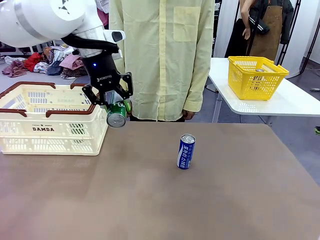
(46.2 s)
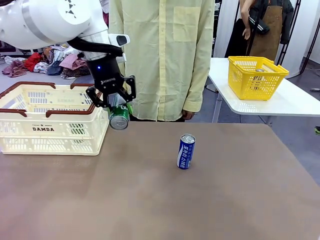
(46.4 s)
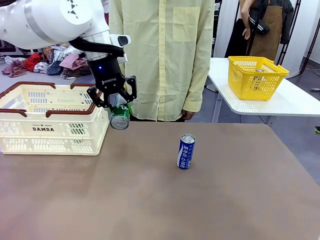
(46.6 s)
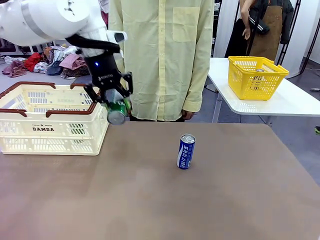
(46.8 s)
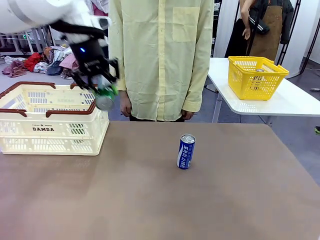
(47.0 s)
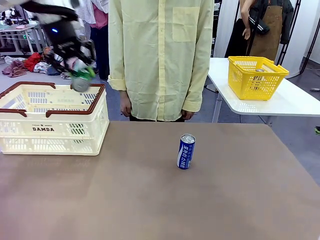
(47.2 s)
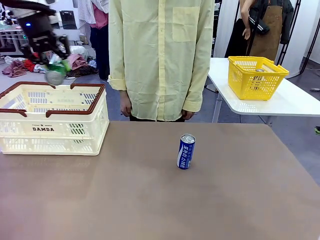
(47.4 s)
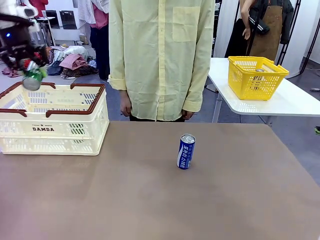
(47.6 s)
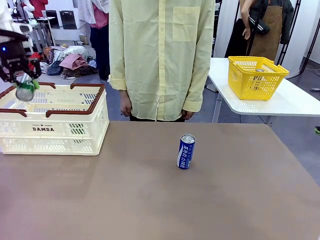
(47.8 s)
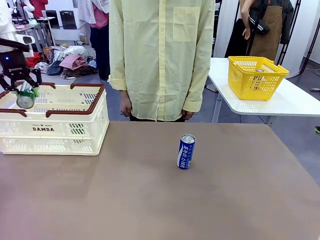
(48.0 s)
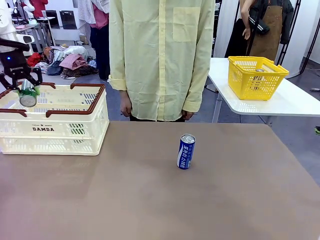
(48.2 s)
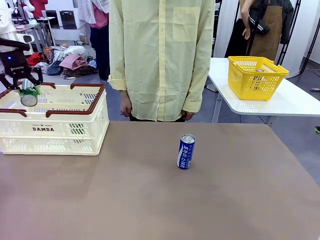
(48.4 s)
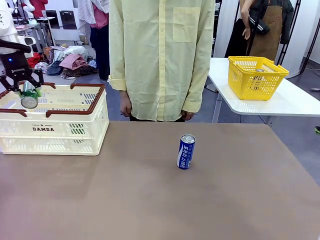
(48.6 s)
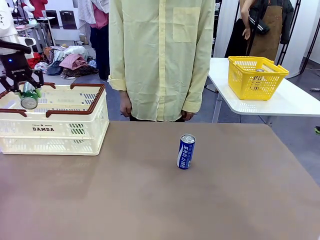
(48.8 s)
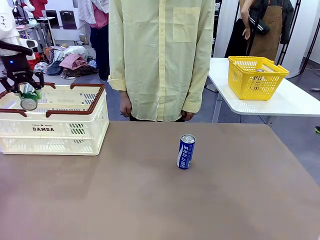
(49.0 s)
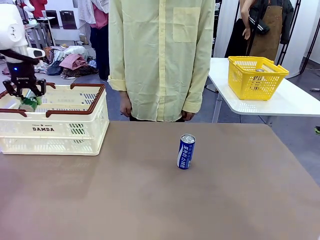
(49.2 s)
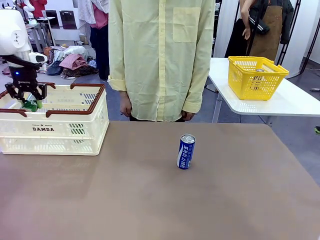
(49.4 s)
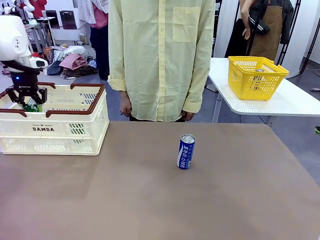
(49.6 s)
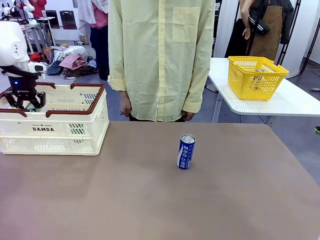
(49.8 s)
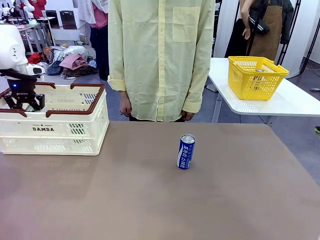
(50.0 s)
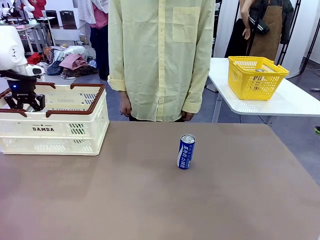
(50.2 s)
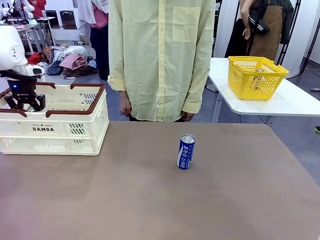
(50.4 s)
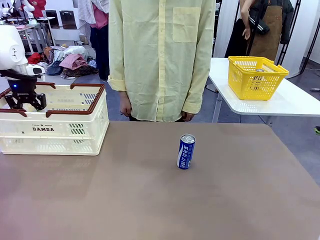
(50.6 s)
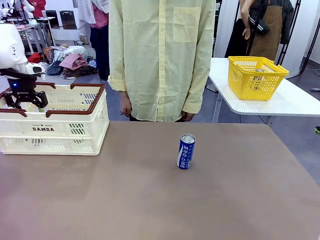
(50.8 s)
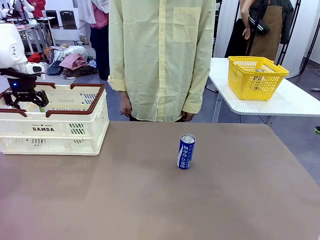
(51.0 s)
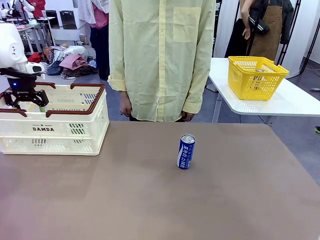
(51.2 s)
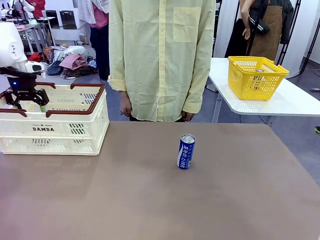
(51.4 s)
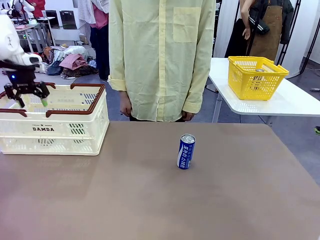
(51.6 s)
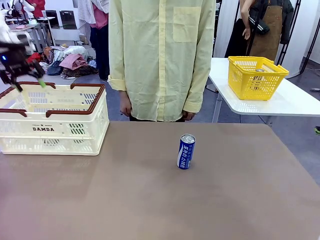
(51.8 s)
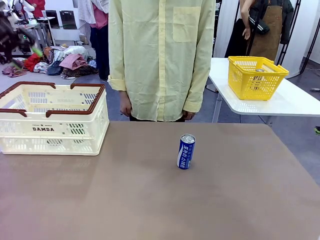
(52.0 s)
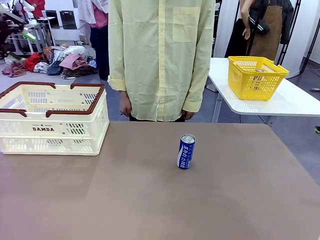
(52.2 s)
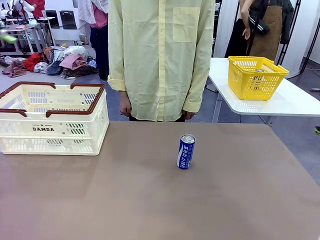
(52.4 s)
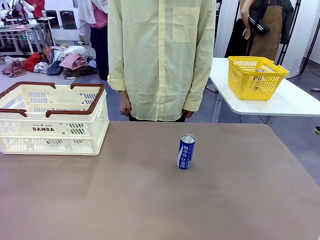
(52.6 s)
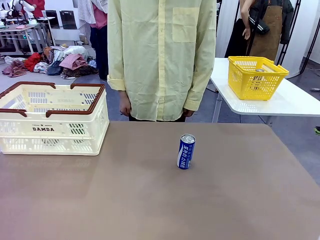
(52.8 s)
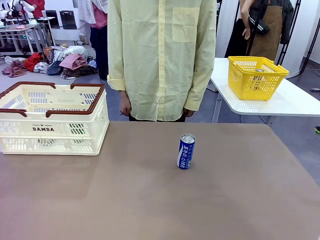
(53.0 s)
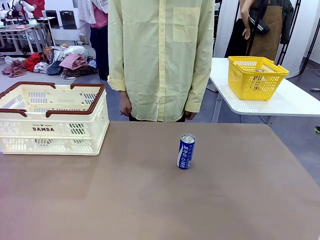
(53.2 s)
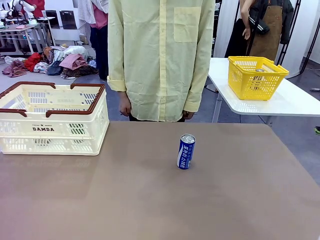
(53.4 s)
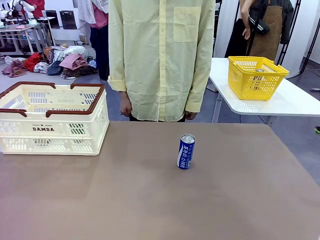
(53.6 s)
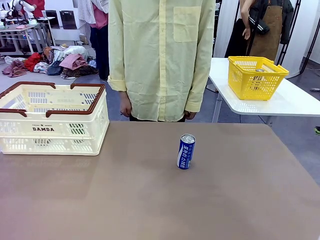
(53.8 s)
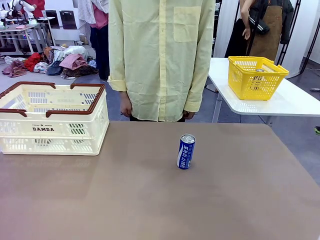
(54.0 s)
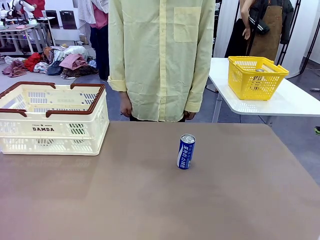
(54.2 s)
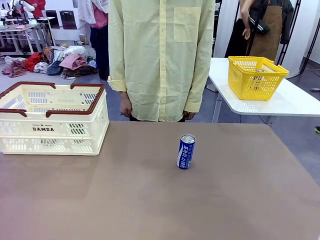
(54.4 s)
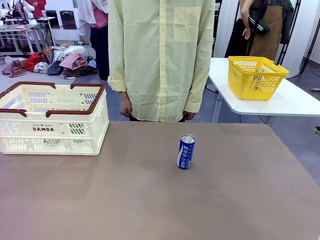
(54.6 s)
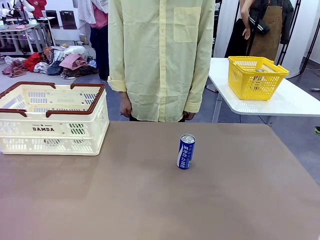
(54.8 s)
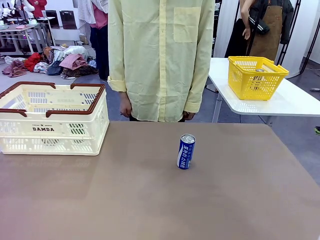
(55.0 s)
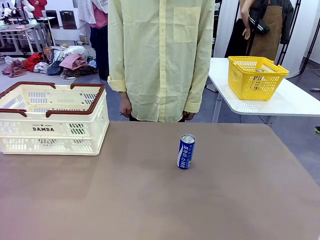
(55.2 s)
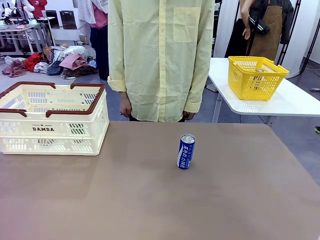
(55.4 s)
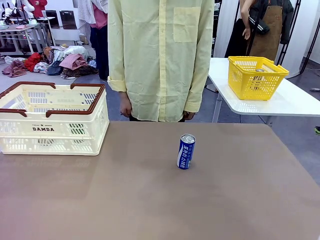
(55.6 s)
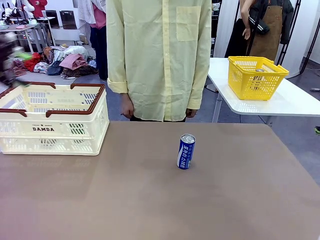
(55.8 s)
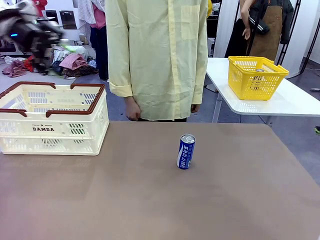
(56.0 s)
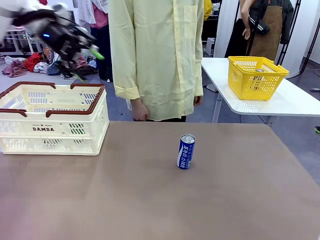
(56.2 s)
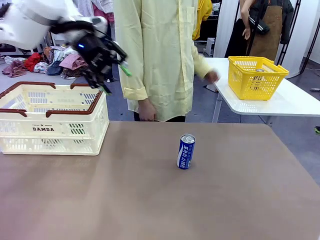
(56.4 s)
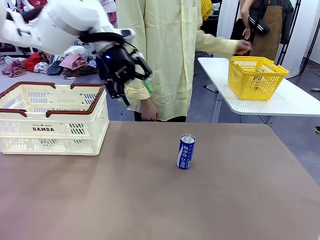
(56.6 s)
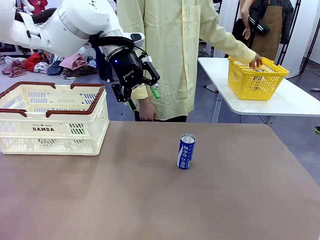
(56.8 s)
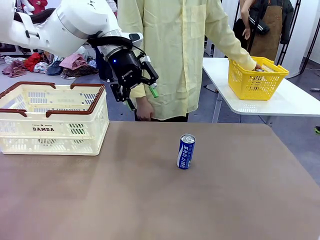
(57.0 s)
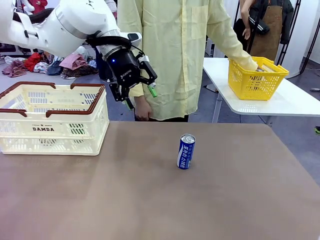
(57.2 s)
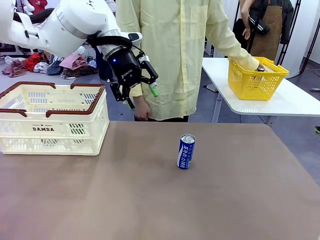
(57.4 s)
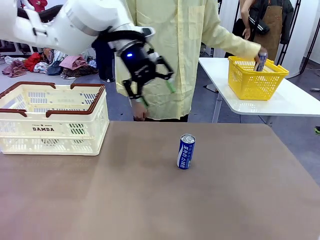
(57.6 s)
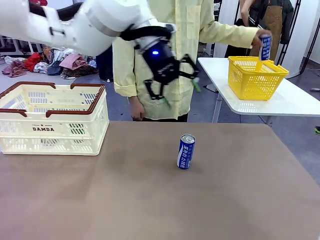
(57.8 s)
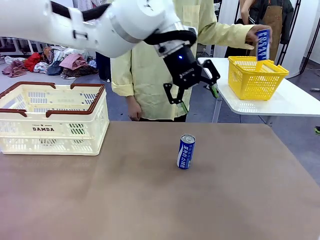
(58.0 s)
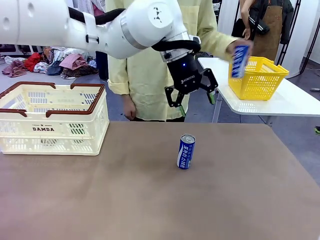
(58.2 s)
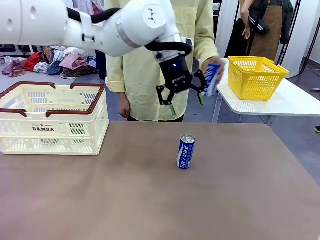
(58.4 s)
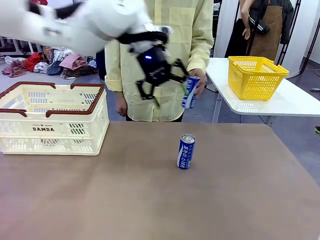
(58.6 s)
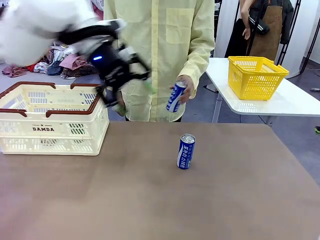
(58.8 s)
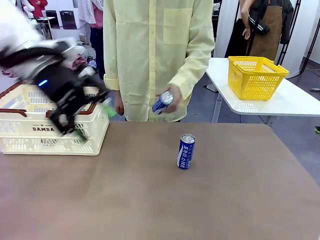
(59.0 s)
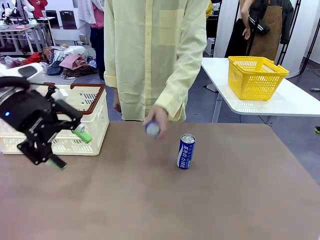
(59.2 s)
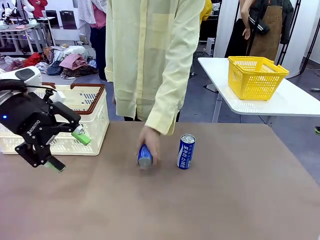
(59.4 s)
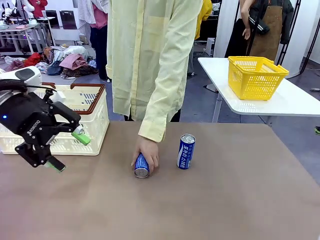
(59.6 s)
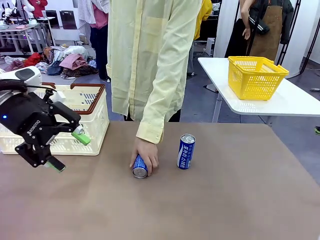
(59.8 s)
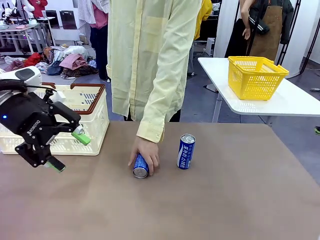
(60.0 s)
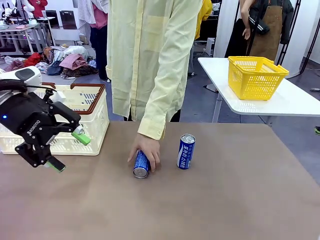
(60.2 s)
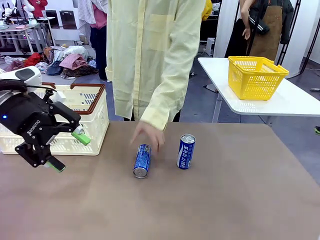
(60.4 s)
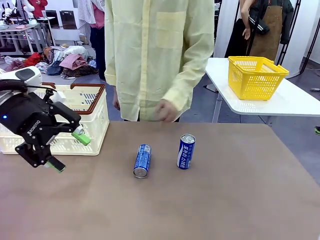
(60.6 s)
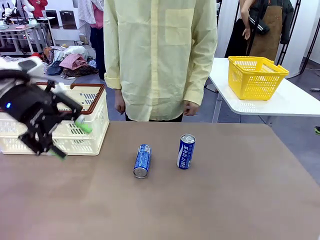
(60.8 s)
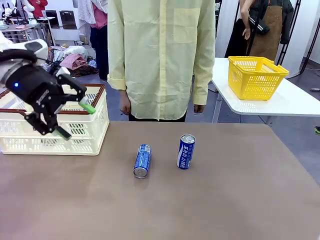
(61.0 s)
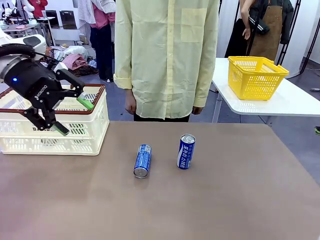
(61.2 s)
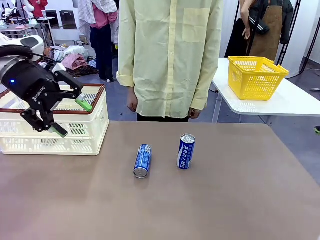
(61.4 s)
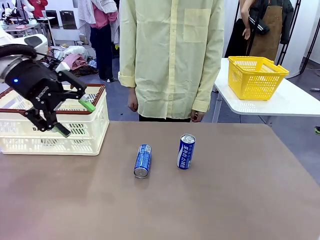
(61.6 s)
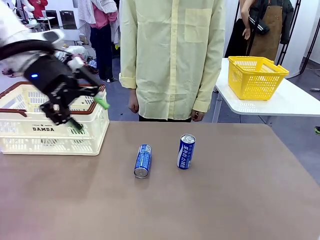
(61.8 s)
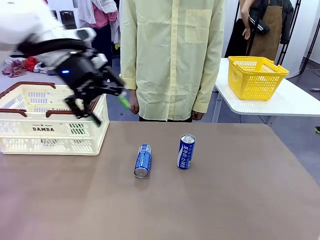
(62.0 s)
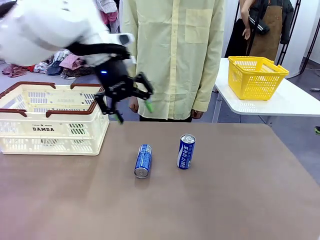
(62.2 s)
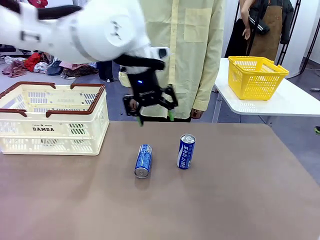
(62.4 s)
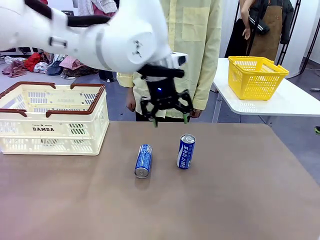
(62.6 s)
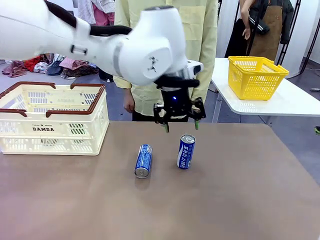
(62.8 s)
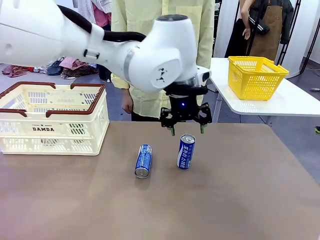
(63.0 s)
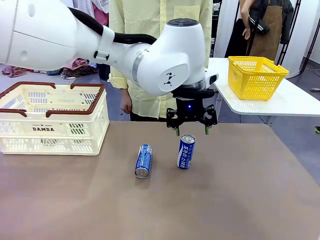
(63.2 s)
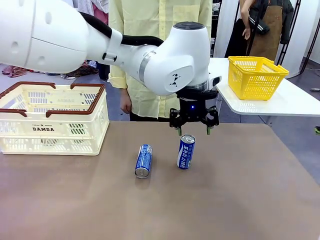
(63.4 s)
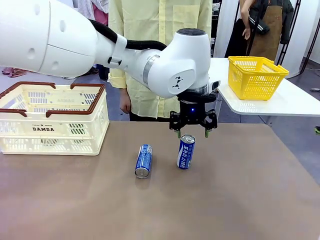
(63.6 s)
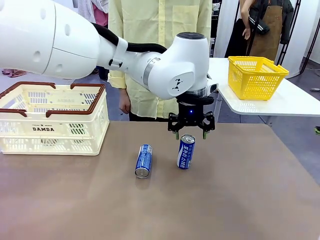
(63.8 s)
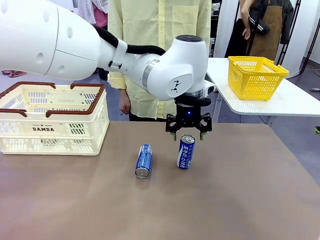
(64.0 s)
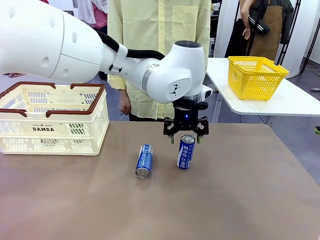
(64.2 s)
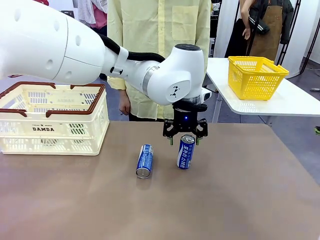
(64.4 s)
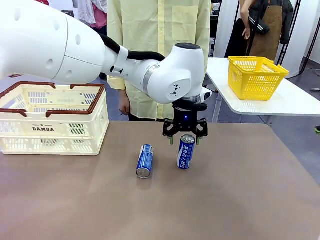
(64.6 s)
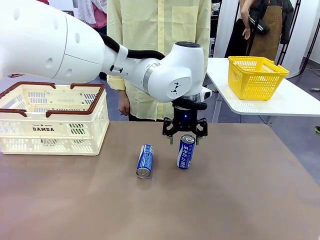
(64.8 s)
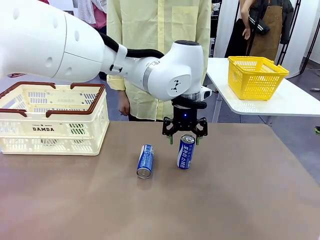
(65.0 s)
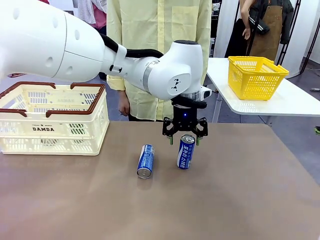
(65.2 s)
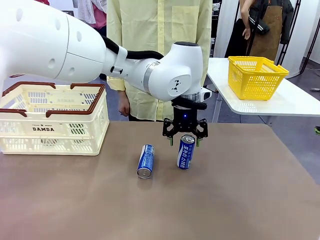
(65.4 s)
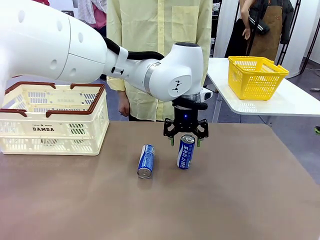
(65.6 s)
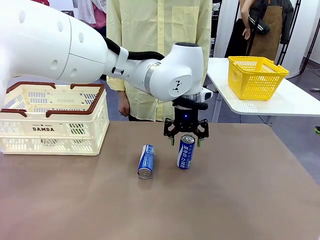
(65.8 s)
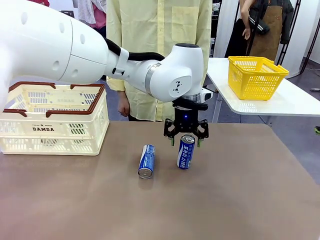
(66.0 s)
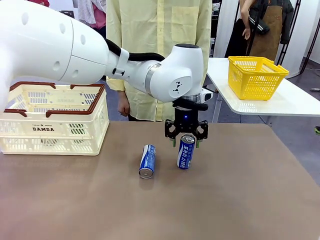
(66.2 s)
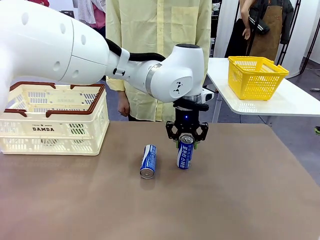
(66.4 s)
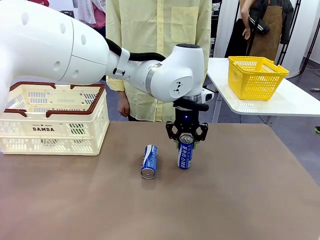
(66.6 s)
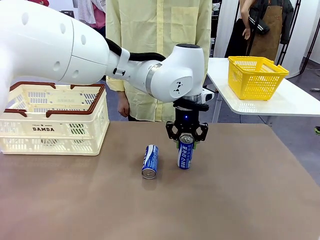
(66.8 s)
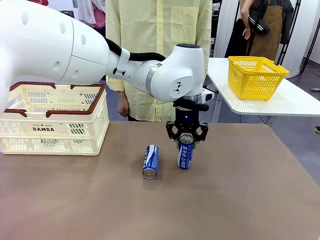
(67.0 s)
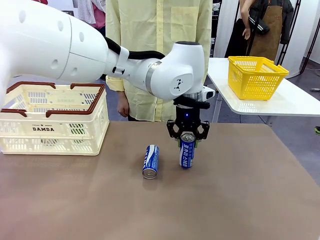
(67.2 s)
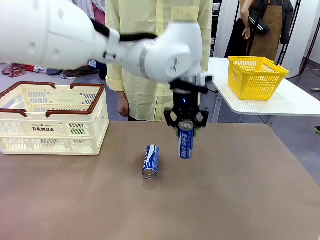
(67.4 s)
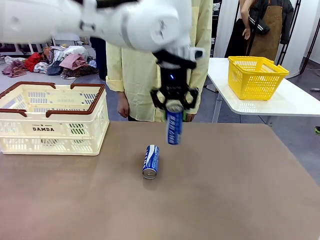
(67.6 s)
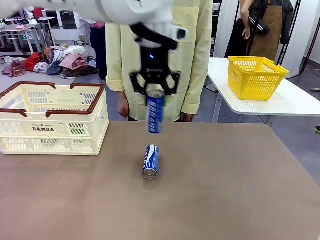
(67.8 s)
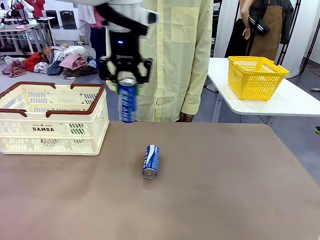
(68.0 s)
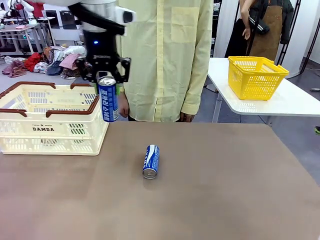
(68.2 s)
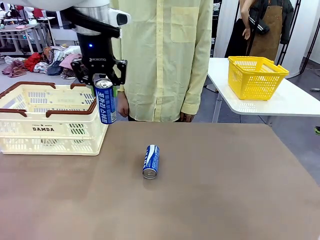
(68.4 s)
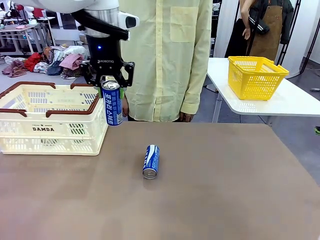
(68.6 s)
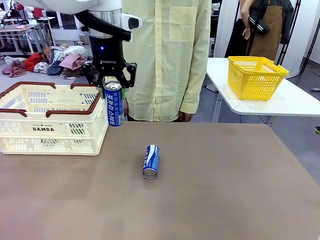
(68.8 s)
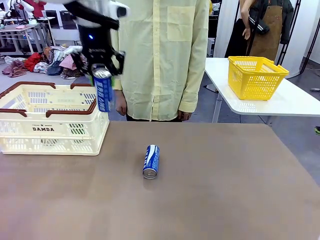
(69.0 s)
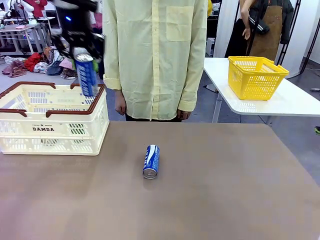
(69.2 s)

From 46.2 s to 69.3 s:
Task: Place the drinks into the Shopping basket.
Robot: Pick up one drink and place it into the Shopping basket.
